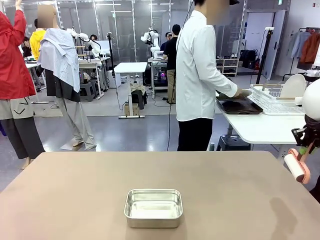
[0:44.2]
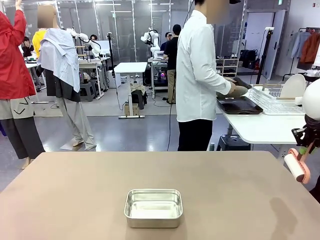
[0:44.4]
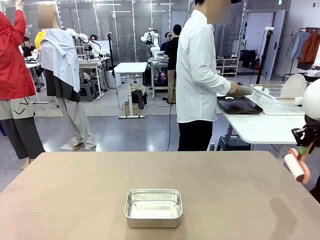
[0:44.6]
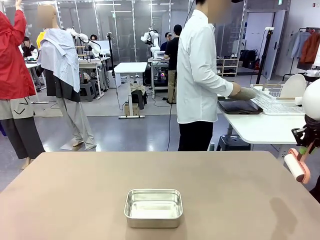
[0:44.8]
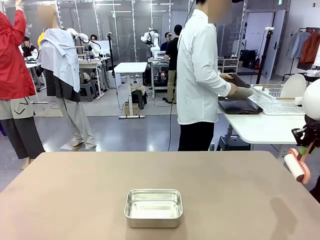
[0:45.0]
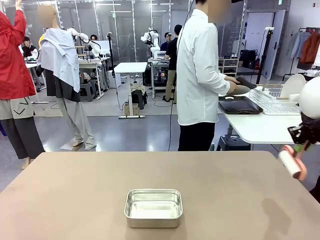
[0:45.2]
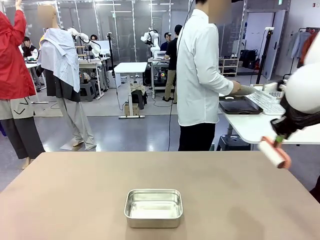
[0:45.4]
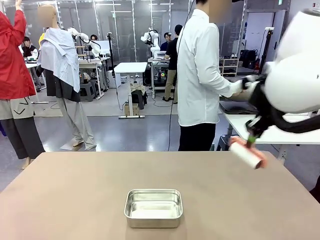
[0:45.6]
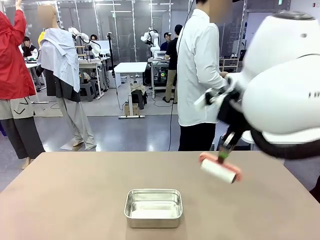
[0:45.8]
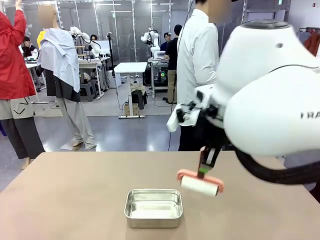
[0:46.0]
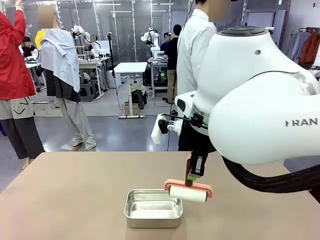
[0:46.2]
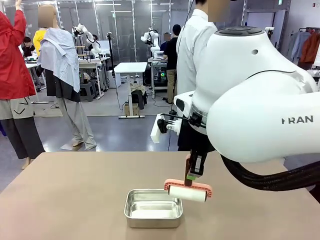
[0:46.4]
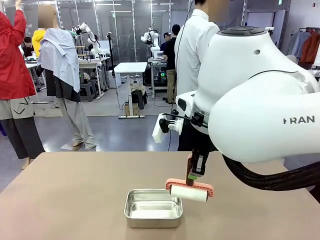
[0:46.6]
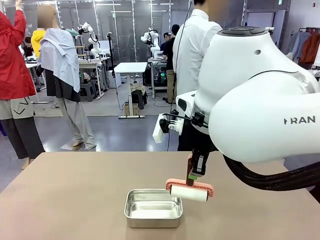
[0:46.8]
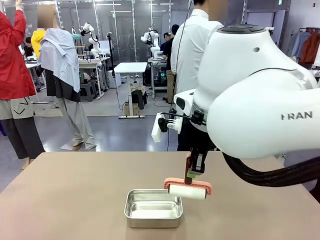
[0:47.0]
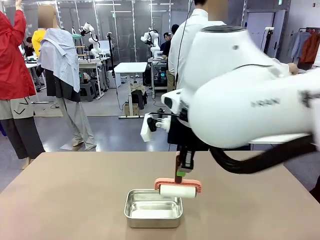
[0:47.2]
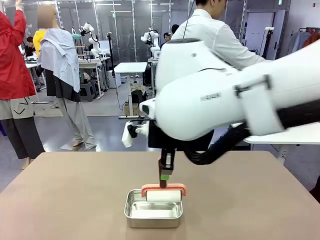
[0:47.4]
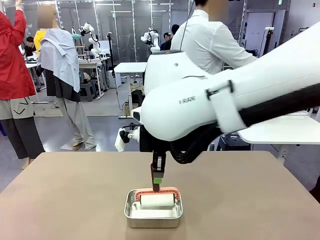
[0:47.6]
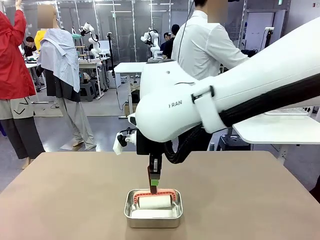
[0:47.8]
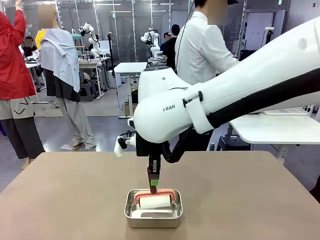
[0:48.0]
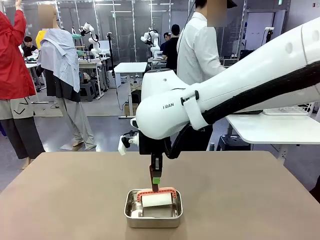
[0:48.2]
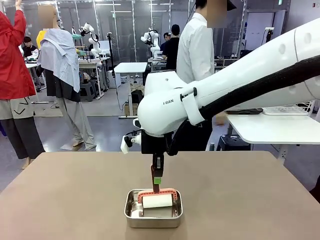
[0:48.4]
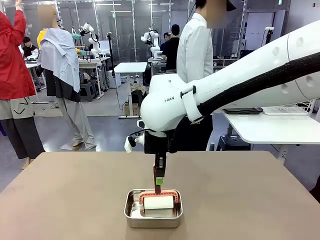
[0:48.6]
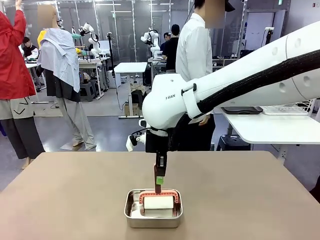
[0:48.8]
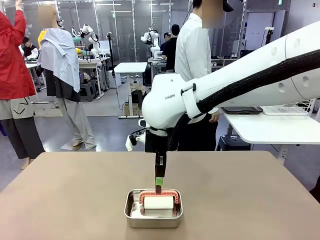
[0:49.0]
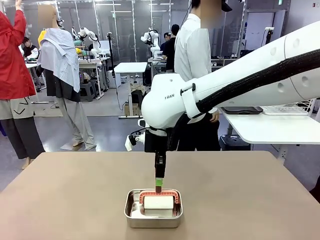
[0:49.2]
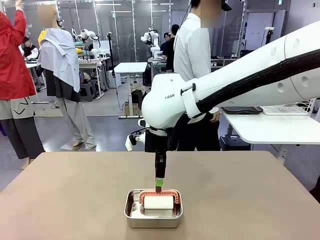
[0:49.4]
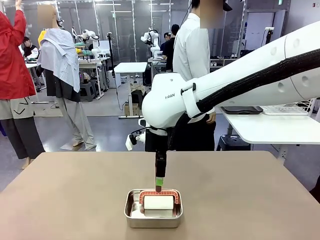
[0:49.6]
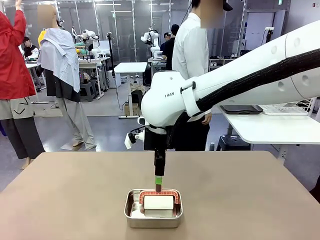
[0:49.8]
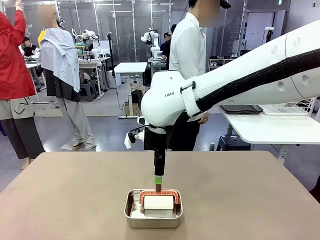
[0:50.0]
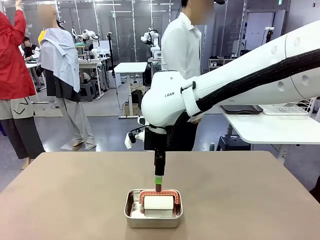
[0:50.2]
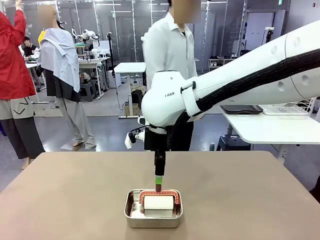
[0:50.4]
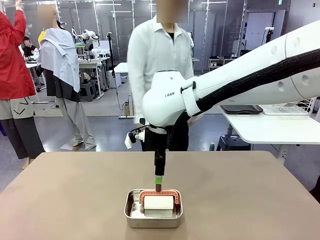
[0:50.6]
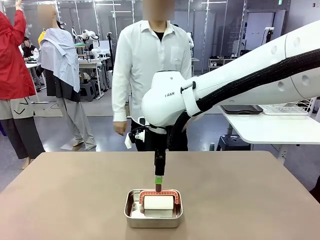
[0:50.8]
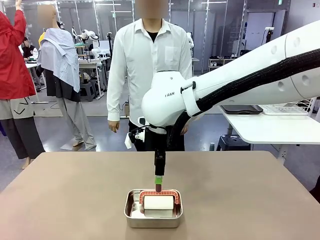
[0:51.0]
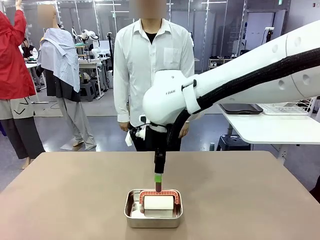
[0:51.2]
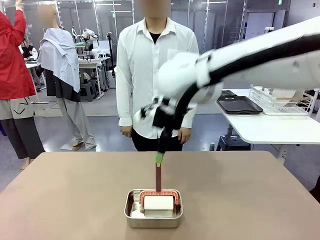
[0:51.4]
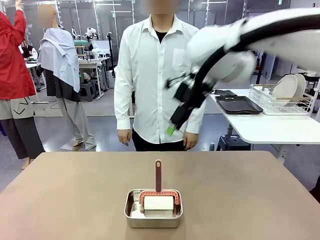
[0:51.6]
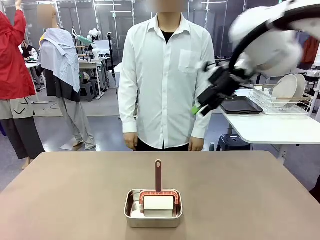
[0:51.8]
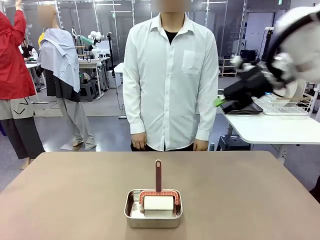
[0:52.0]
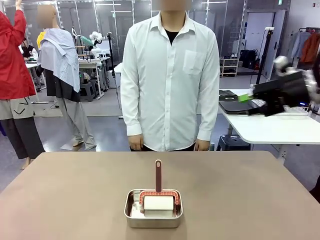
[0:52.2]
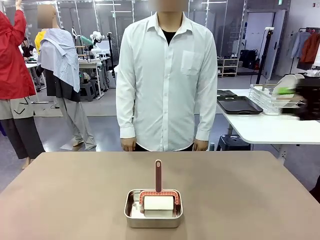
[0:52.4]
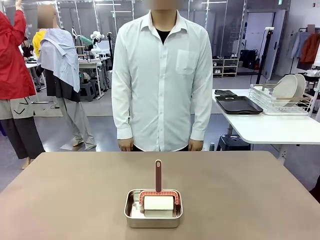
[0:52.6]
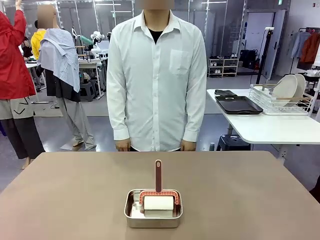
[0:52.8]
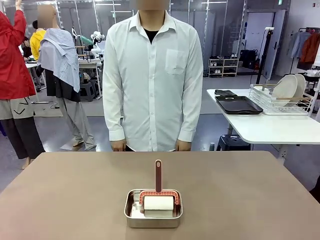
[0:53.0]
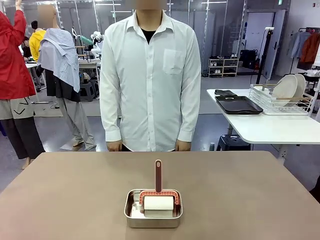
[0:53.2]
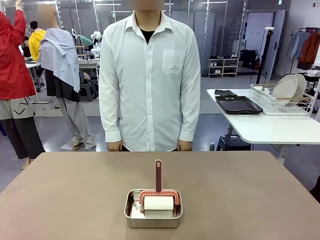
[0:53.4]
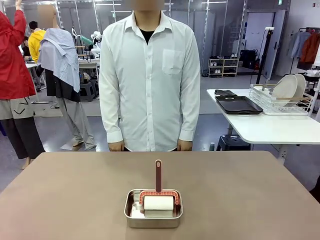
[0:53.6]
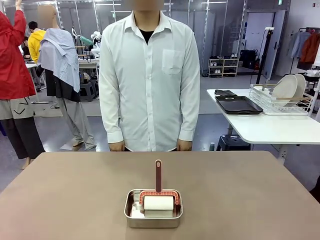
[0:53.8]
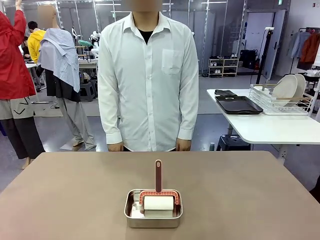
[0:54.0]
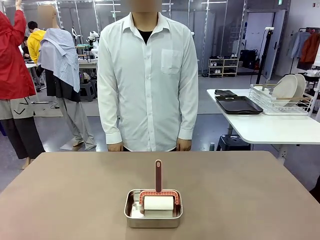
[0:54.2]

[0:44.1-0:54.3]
Robot: Place the Lint Roller back on top of the Airtight Container.
Person: Use the Towel with hook to wipe the Plastic Matte Plate , Fork , and Knife and place into the Dish drying rack.
